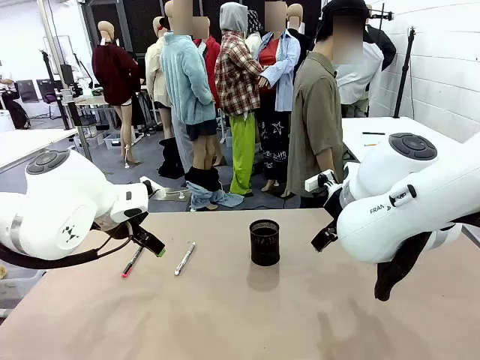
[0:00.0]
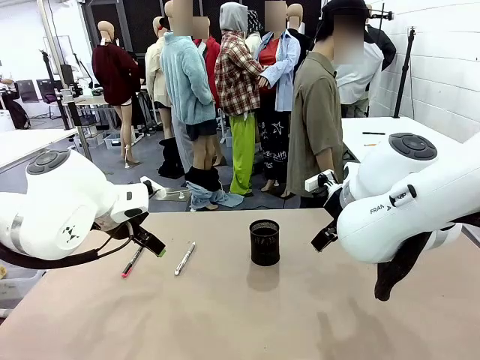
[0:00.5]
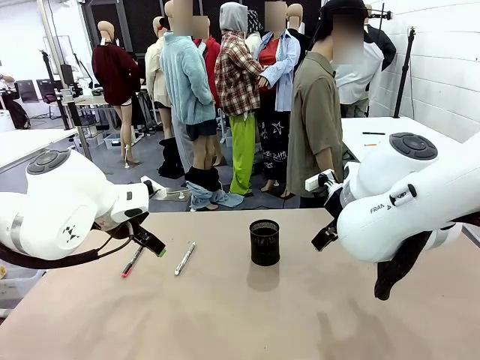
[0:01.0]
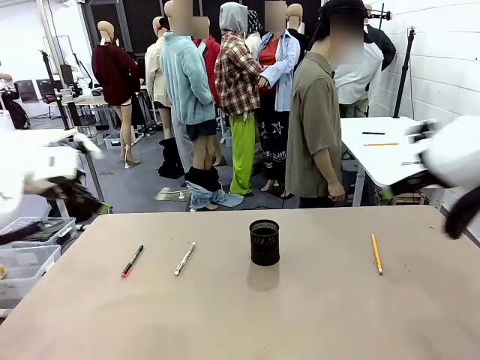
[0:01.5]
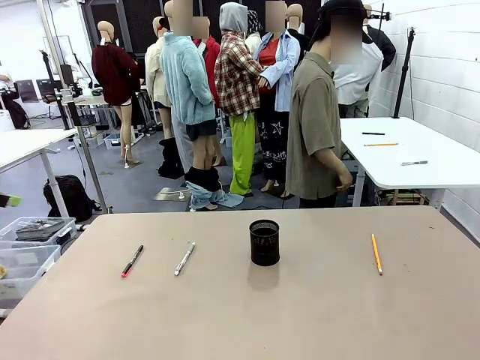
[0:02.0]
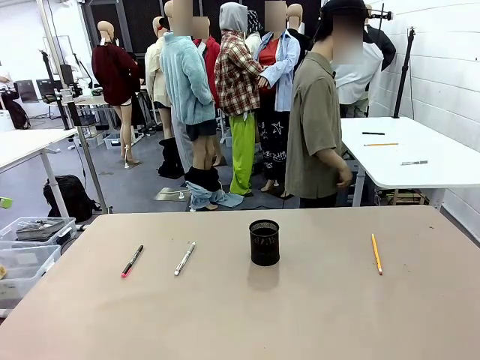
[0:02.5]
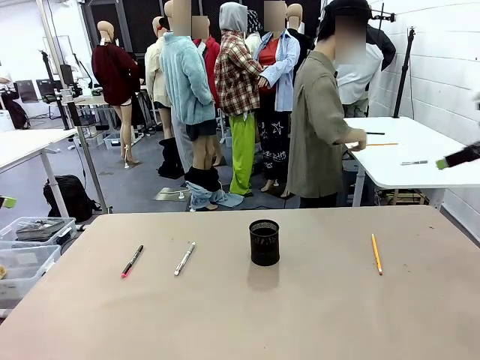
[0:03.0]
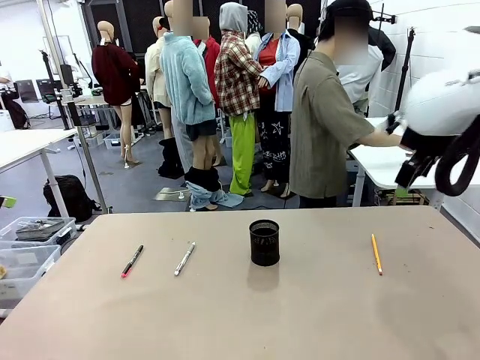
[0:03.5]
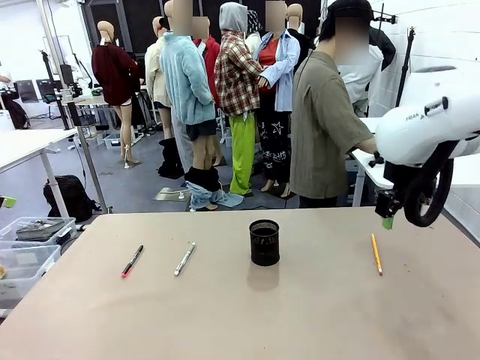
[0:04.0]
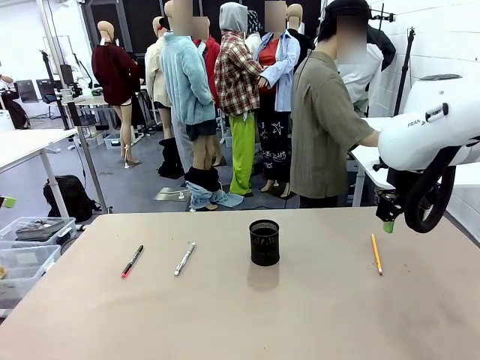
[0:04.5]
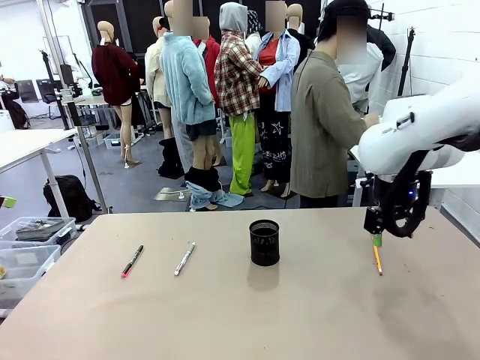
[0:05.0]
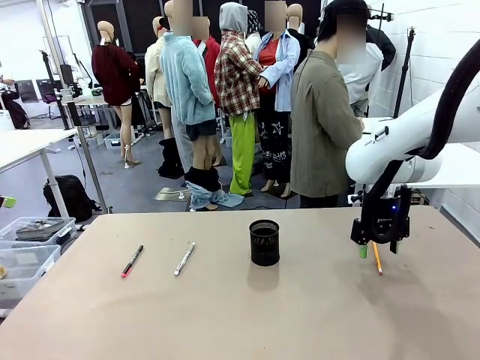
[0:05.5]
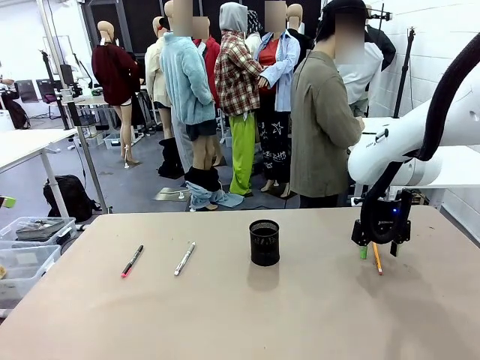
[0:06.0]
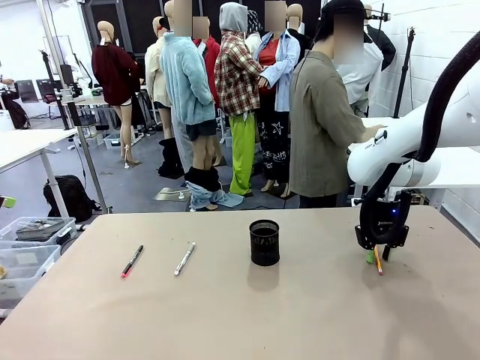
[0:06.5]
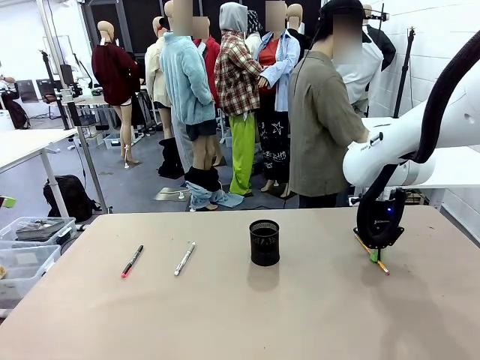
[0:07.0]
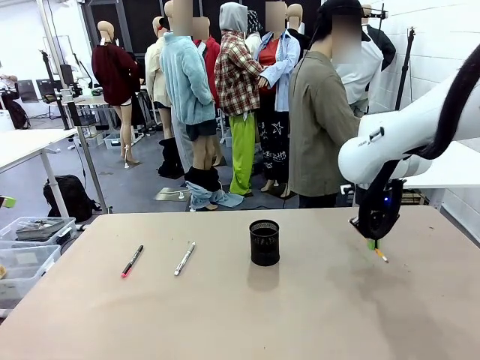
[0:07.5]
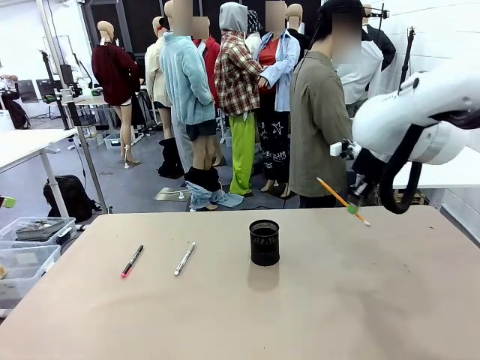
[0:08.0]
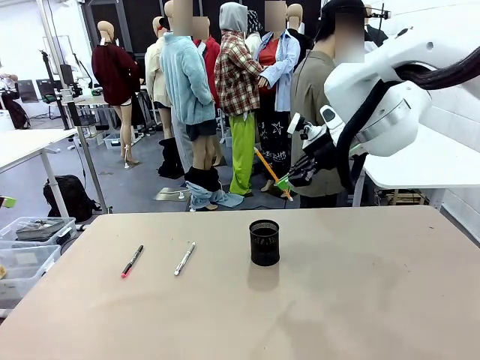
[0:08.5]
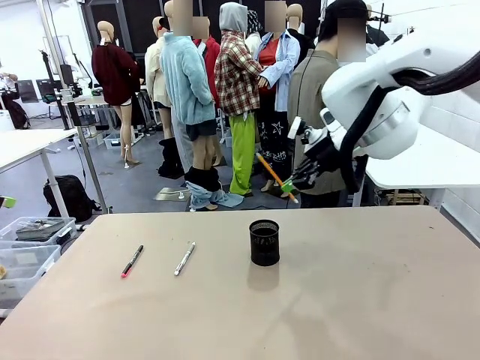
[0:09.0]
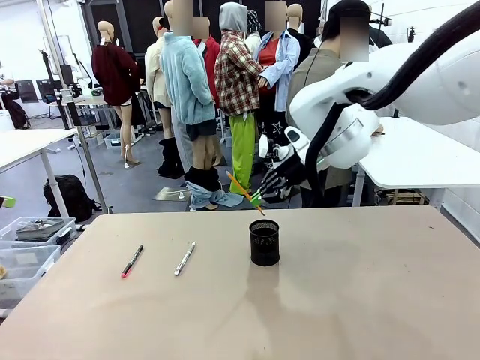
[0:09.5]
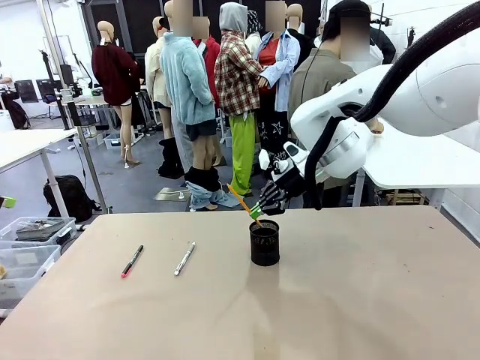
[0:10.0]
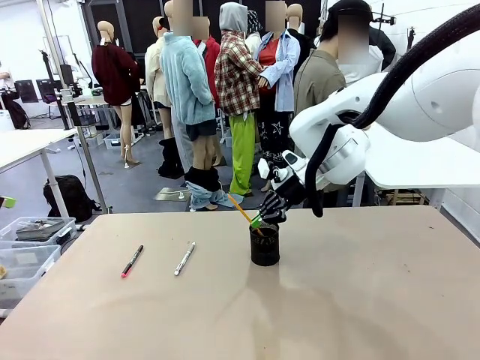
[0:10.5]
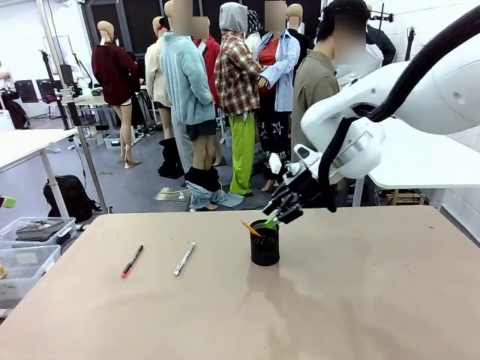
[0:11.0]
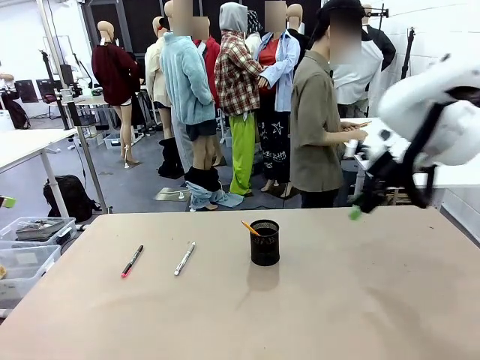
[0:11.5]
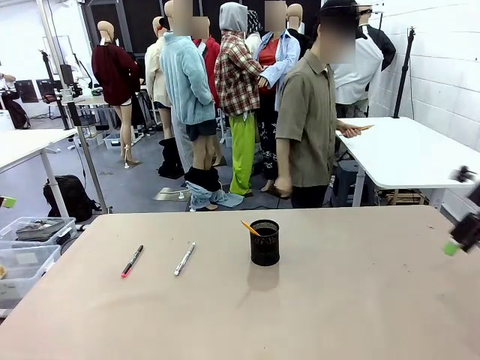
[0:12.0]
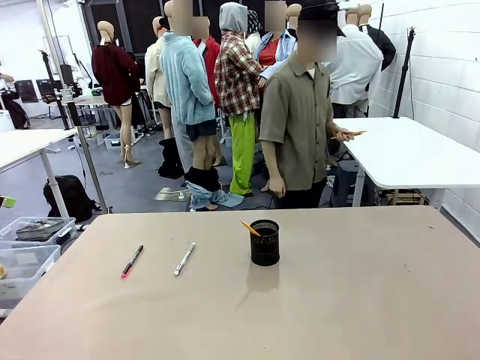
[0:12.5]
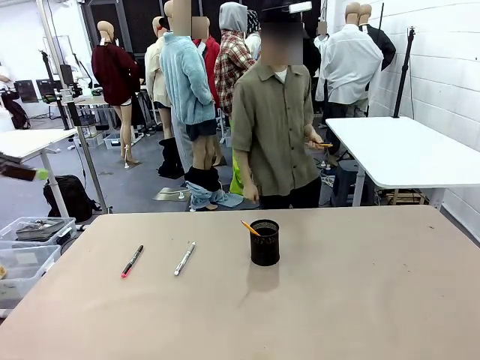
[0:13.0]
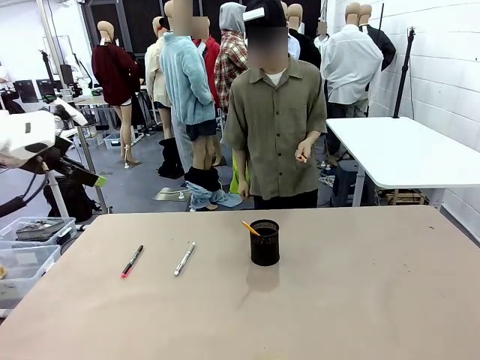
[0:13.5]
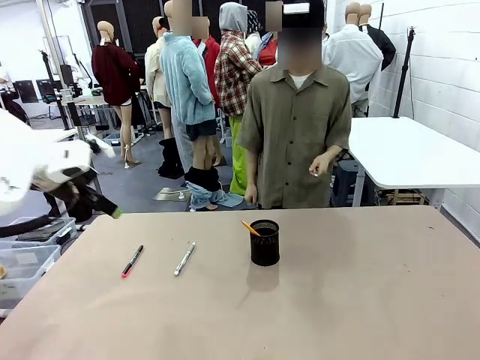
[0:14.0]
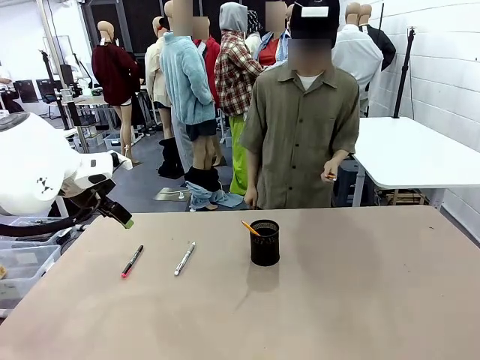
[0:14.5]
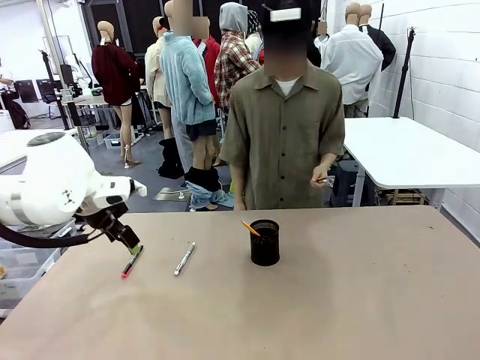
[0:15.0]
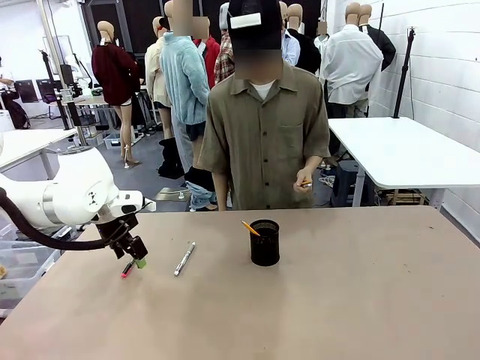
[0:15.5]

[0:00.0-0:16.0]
Task: Place the pens into the pen holder.
Robot: Pick up a writing instrument from the table and place it into the Pen holder.
Person: Pick up all writing instruments from the Human table.
